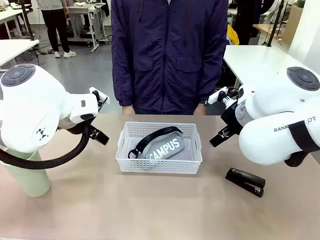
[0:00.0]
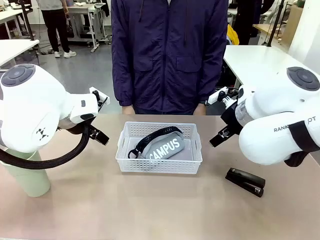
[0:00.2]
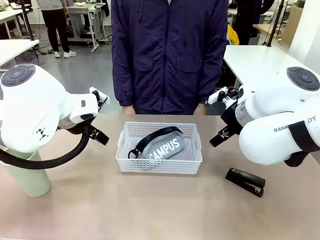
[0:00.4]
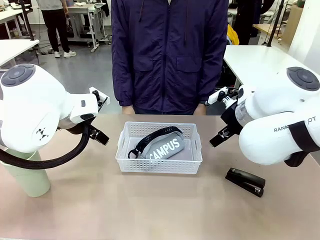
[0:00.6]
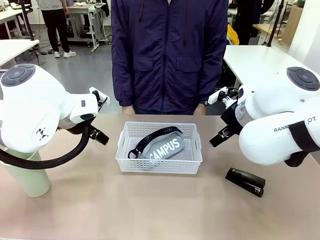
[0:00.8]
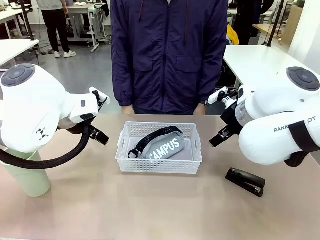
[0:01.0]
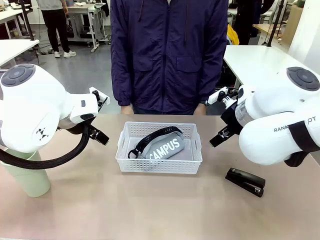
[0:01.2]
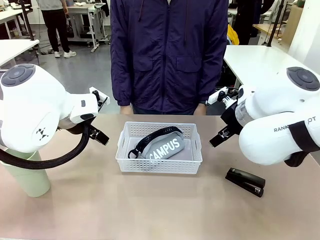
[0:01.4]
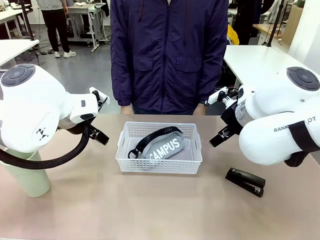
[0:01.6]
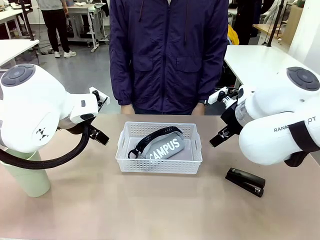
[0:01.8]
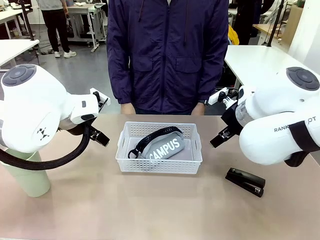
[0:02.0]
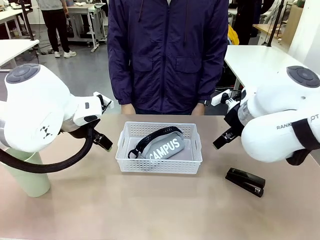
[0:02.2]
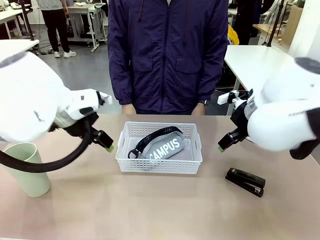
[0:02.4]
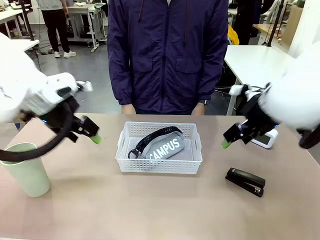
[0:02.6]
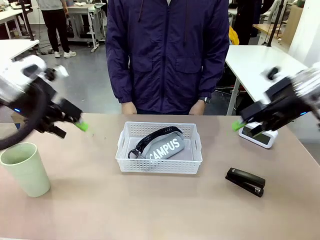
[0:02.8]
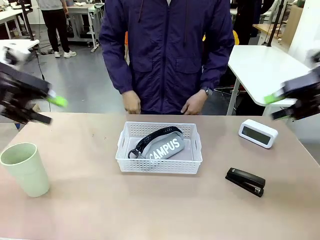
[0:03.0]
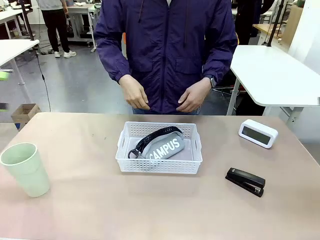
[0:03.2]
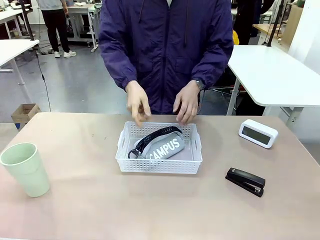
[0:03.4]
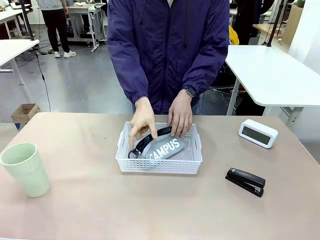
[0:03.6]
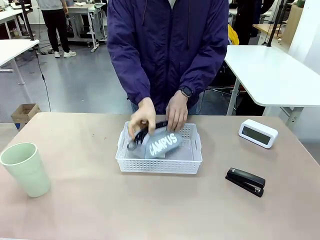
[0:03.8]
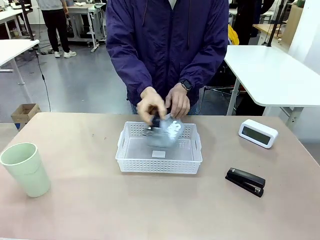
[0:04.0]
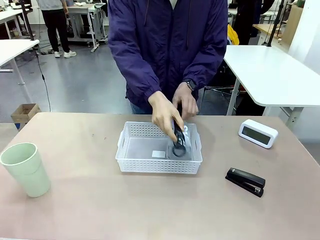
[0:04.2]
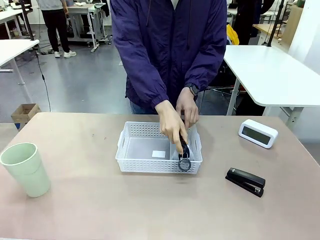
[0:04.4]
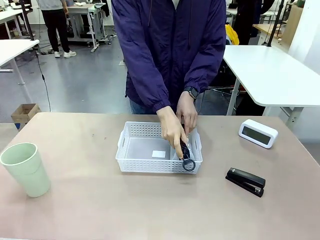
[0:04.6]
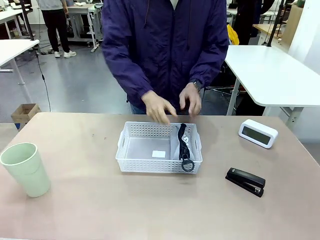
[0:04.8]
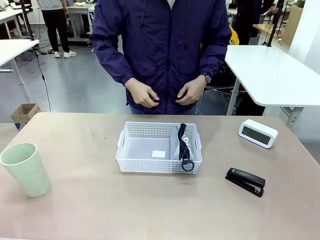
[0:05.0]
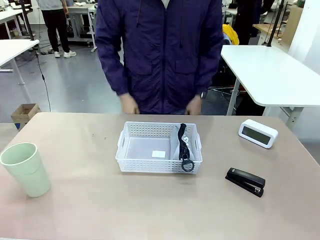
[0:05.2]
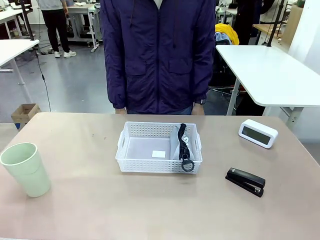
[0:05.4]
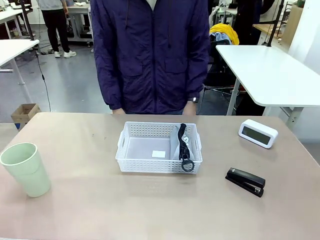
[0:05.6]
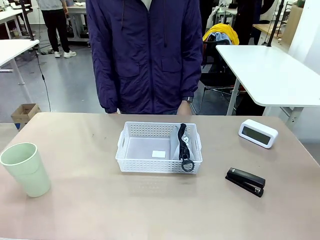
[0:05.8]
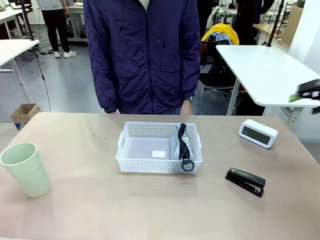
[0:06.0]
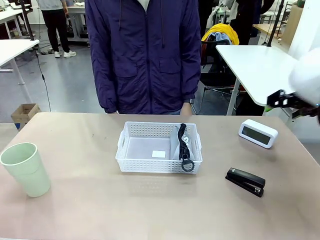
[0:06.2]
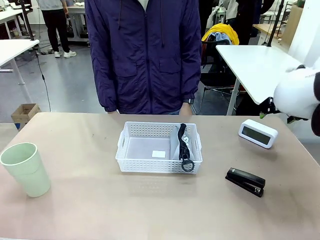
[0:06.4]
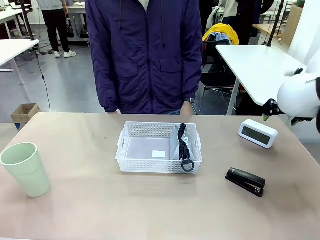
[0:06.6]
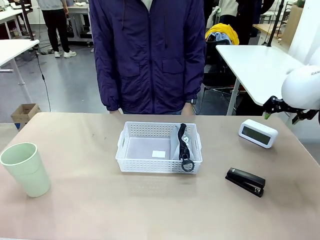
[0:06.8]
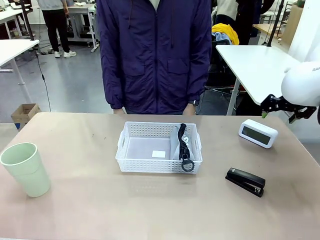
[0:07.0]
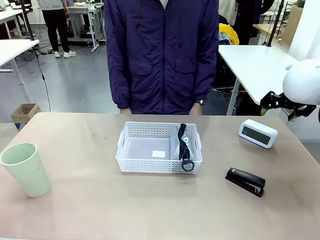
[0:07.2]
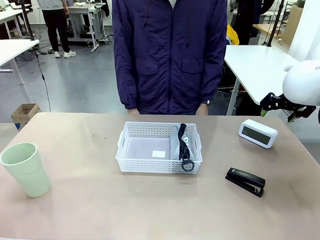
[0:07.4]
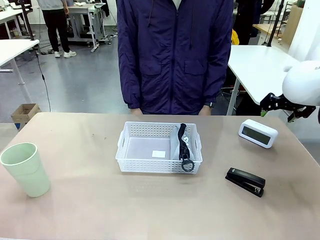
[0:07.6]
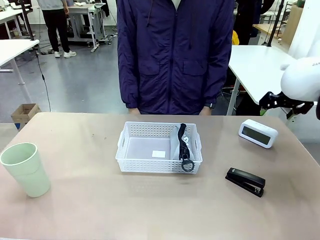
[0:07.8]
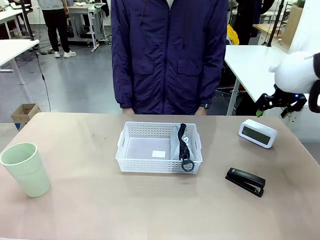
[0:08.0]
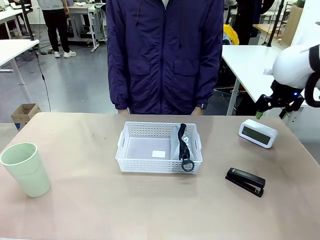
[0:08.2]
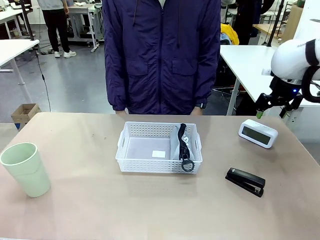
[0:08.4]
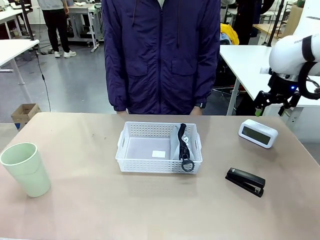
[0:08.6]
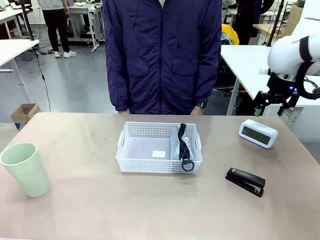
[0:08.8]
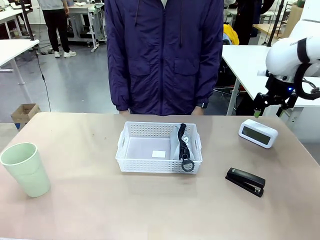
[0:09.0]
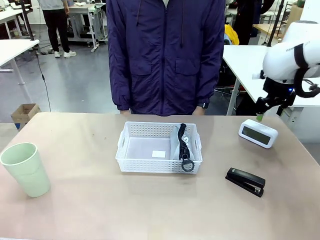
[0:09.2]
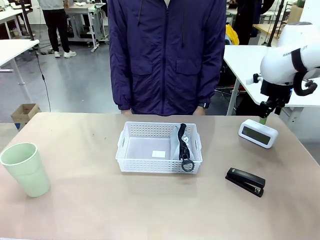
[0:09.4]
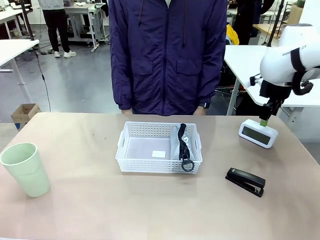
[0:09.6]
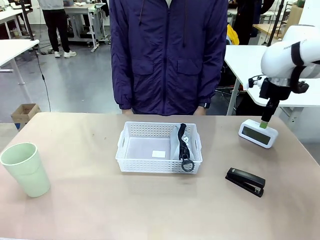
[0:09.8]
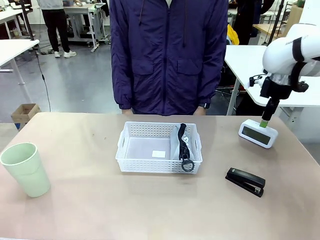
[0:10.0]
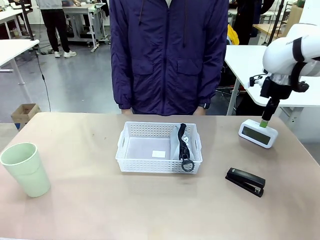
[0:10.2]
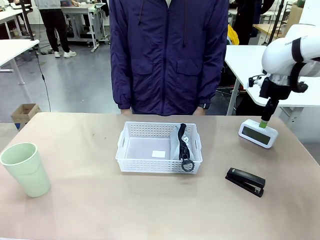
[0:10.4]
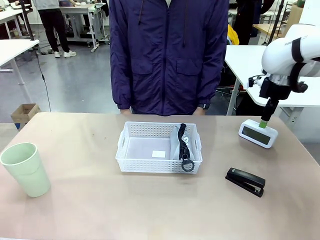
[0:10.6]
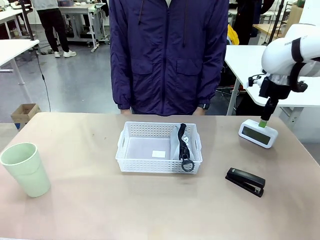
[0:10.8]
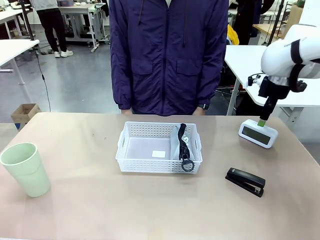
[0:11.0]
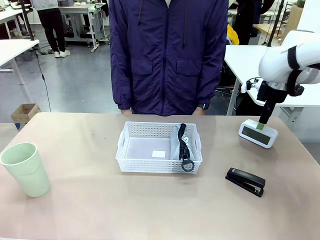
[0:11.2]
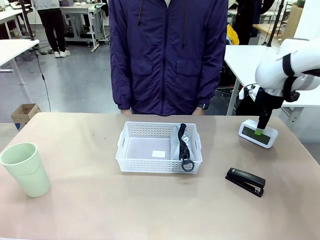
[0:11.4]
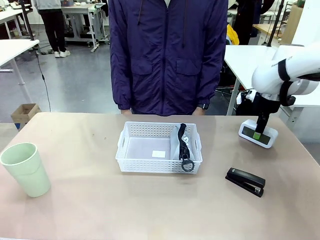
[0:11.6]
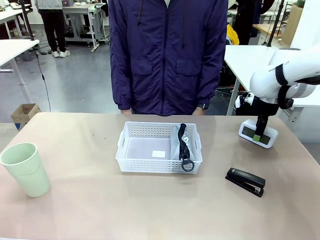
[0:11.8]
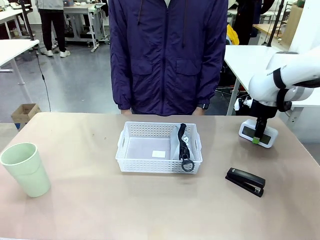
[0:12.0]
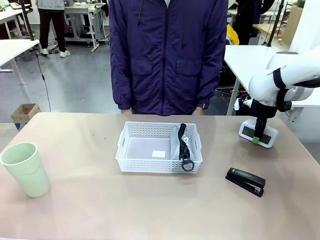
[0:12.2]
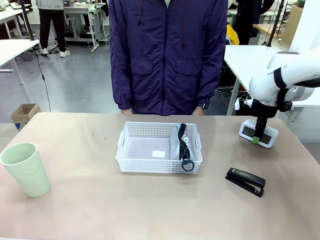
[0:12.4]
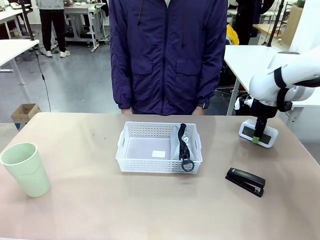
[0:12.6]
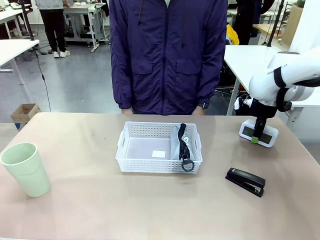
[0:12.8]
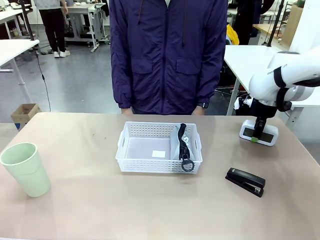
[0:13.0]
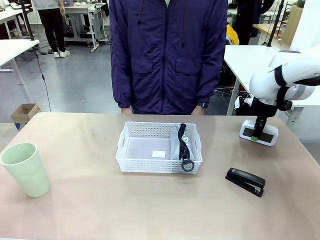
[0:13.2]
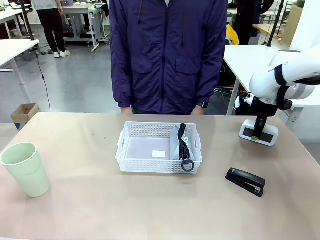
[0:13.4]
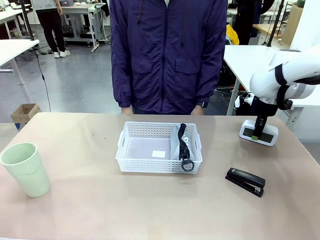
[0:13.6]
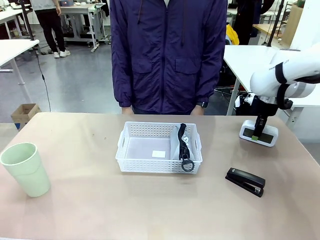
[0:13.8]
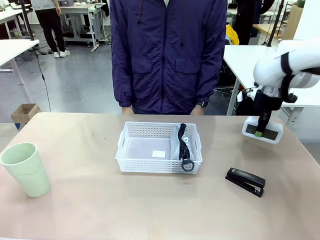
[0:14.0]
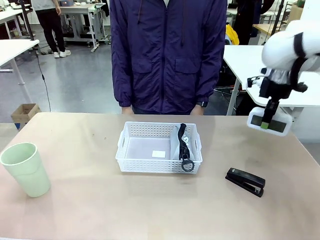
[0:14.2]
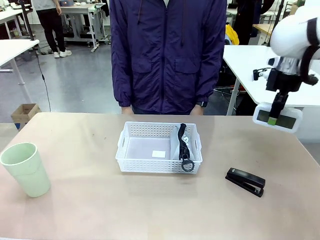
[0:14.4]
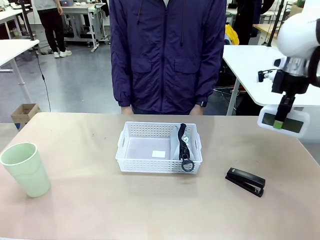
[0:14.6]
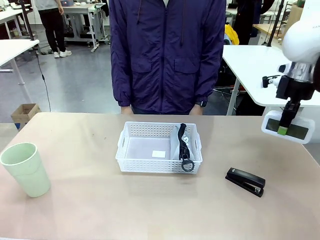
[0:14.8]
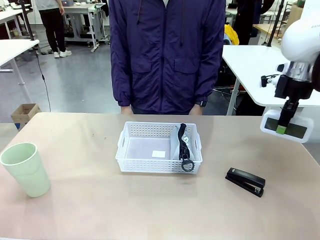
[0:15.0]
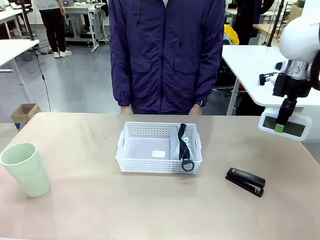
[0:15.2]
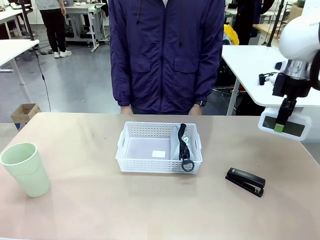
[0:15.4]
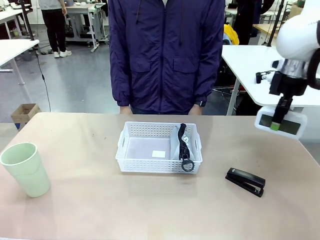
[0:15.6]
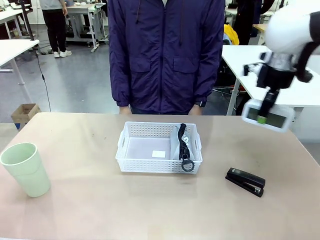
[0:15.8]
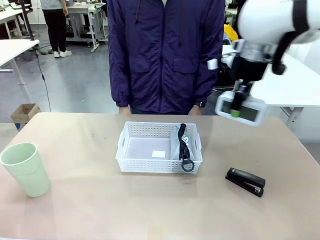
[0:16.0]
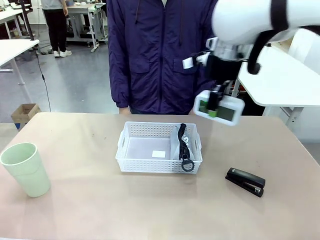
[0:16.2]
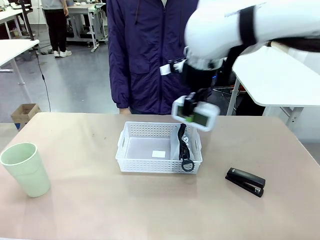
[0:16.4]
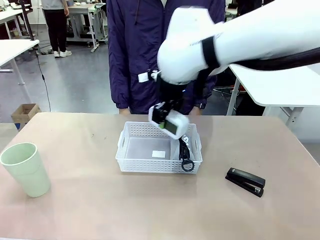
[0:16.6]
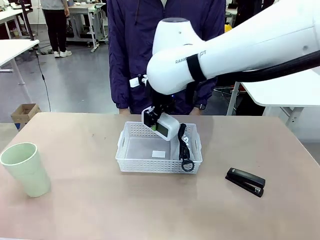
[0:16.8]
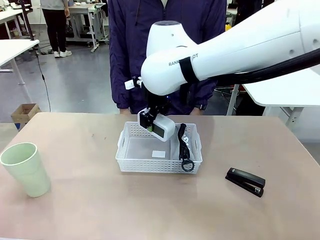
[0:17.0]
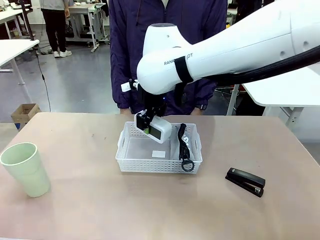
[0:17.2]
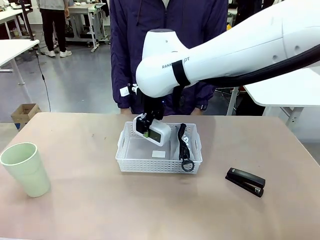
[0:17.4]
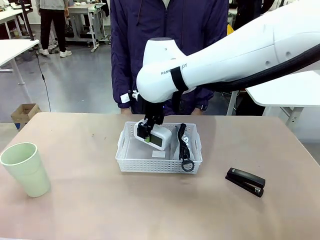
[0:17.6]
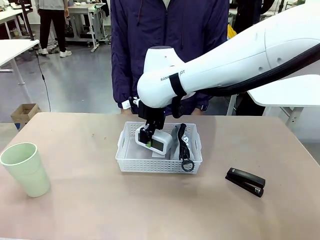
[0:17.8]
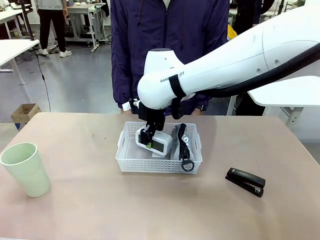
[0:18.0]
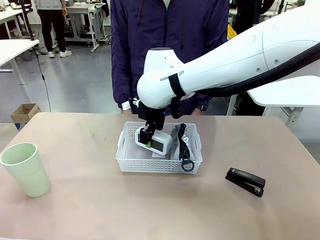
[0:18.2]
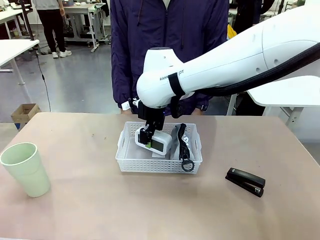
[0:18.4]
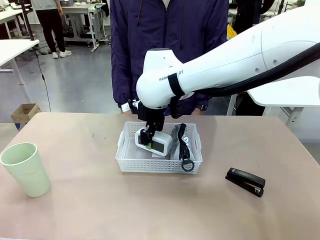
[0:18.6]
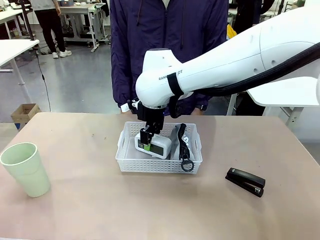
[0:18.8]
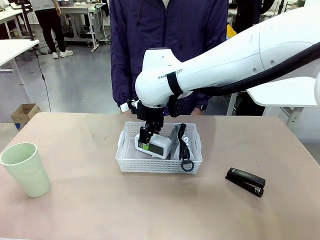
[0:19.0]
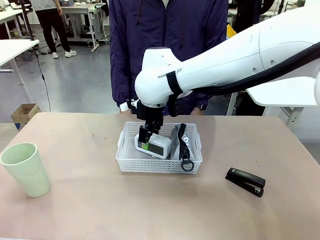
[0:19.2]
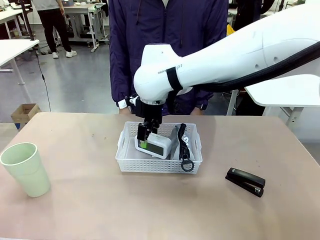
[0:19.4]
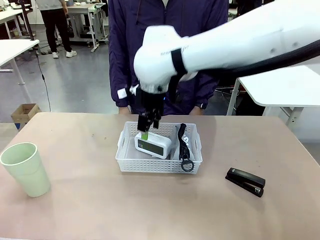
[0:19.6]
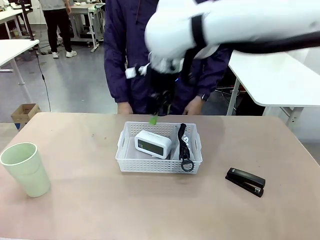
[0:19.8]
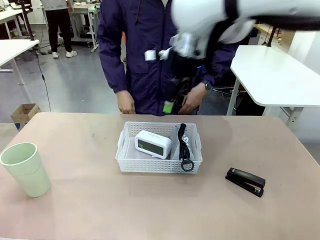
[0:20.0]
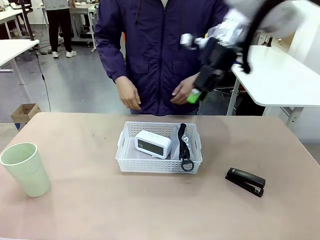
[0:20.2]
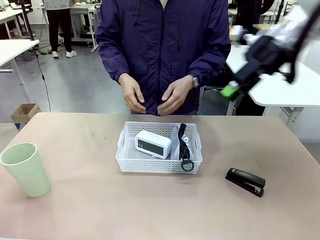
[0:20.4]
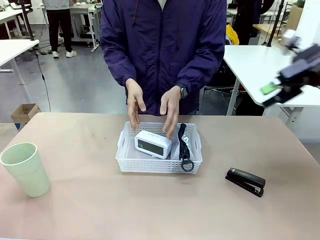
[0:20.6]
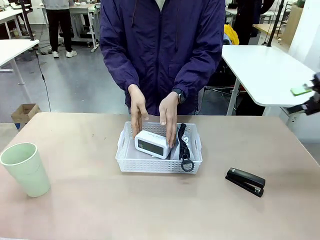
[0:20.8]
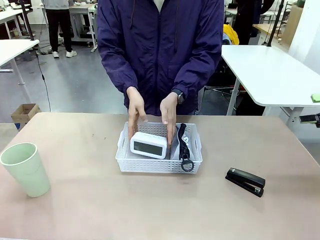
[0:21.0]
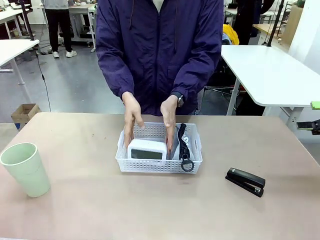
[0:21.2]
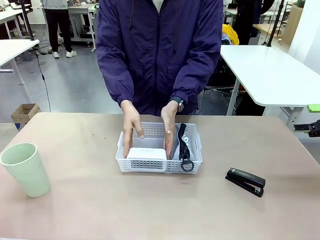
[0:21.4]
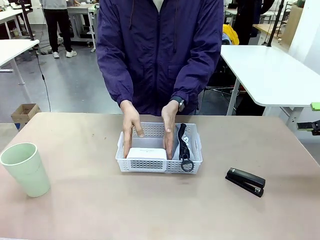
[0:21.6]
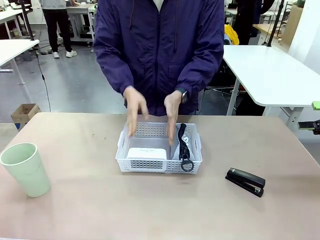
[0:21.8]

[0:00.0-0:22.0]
Task: Efficiently arrange items inside the basket to fit them all.
Robot: Pick up the Digital clock and place it inside the Organizing basket.
Person: Repositions the pencil case. Repositions the digital clock.
